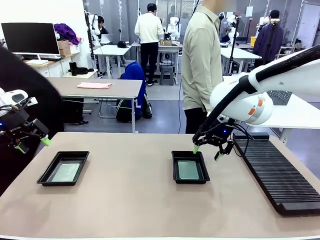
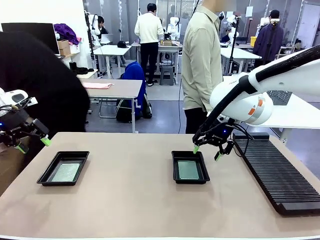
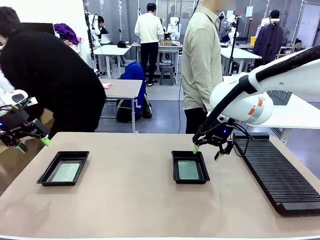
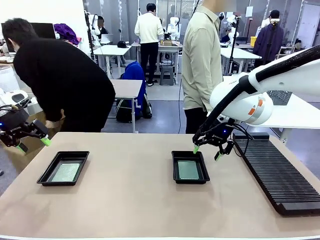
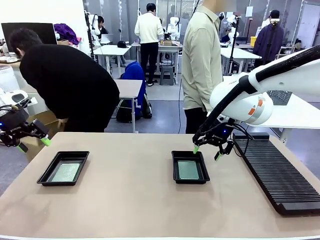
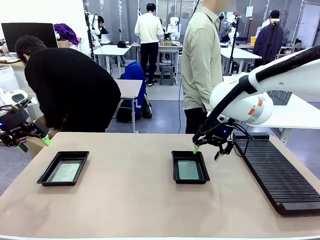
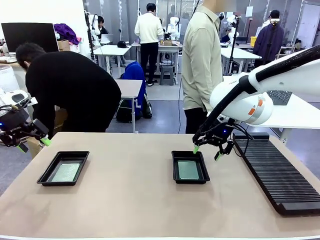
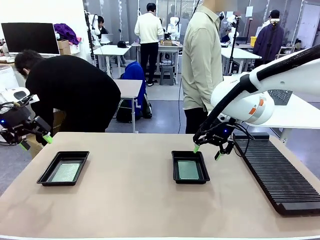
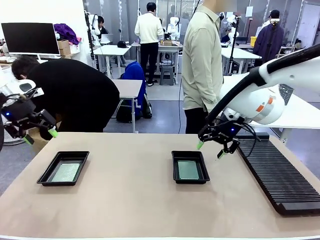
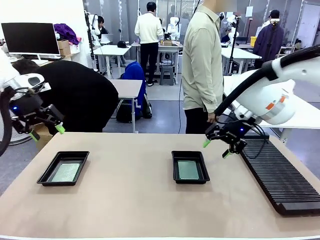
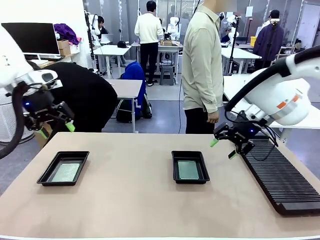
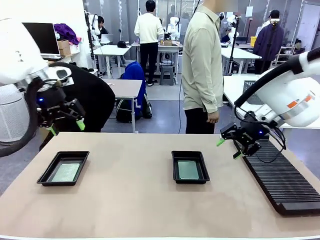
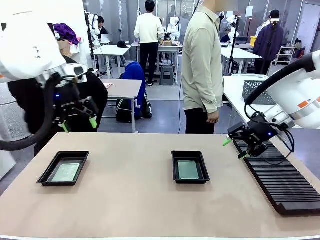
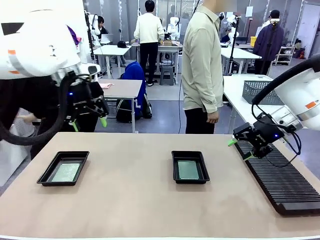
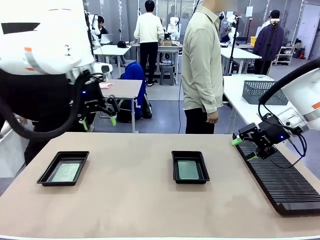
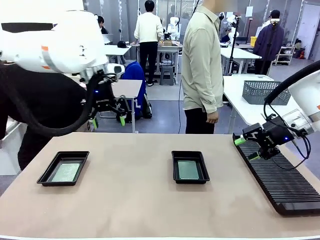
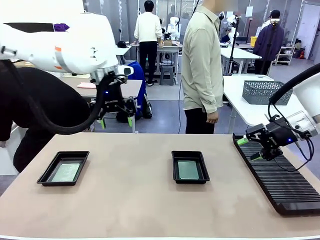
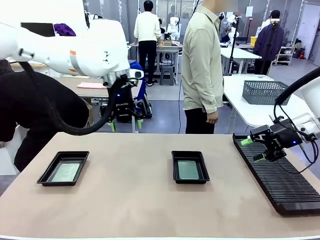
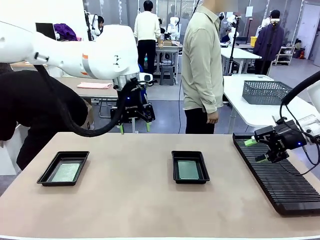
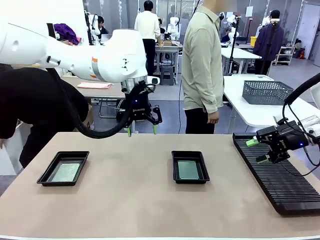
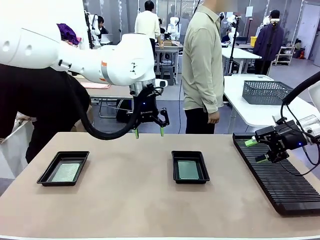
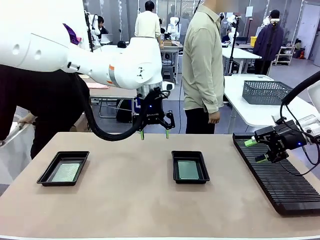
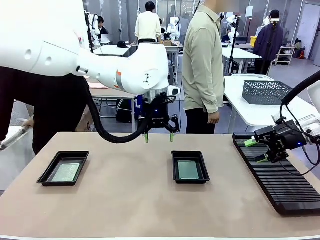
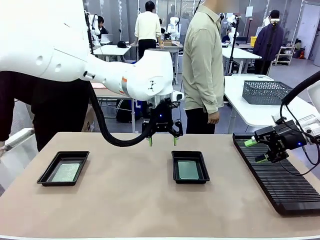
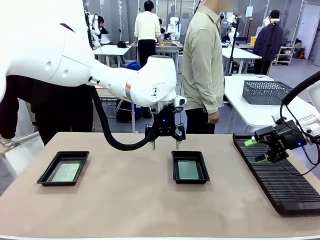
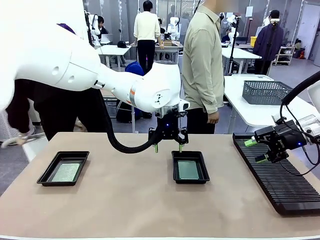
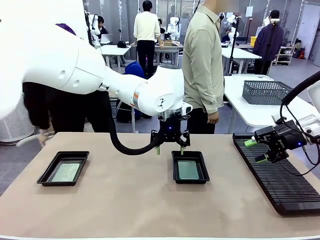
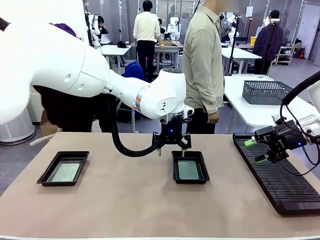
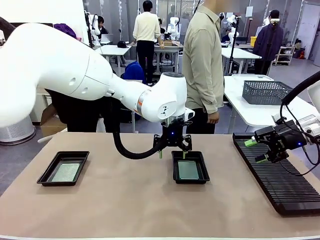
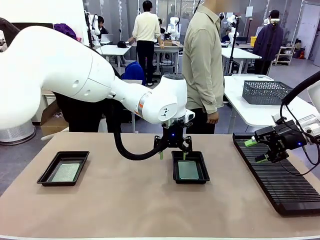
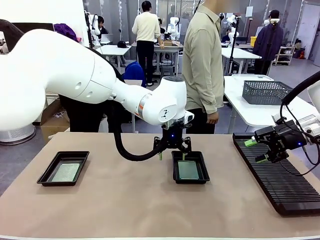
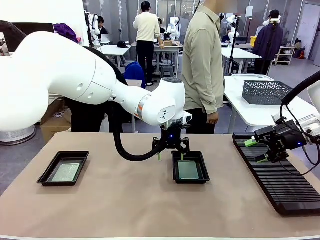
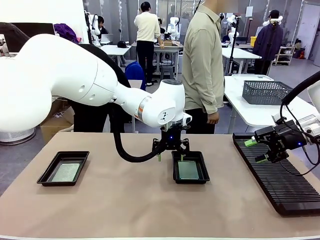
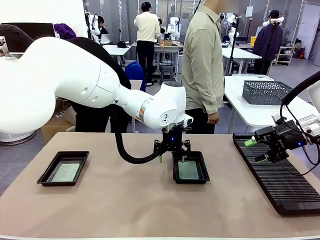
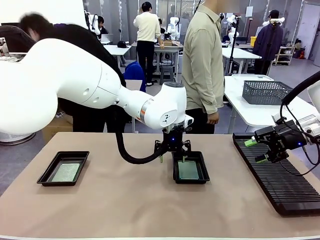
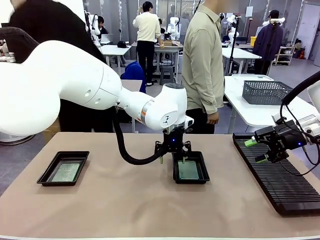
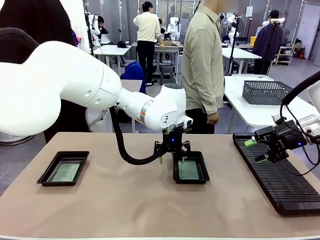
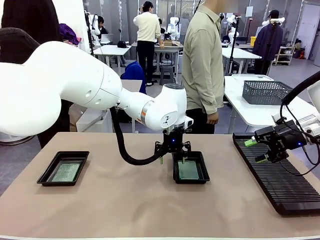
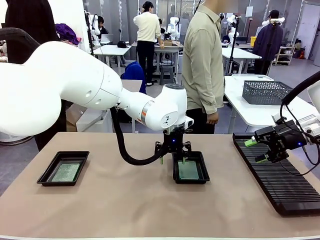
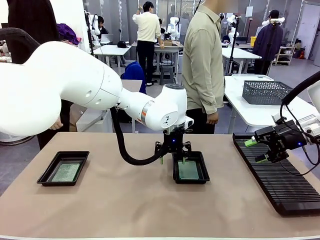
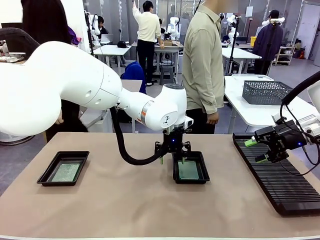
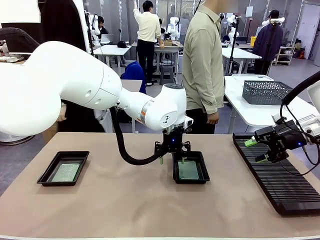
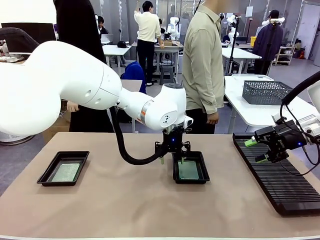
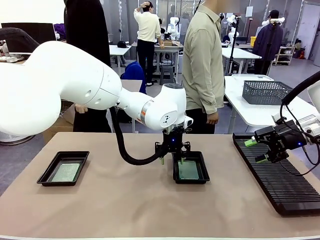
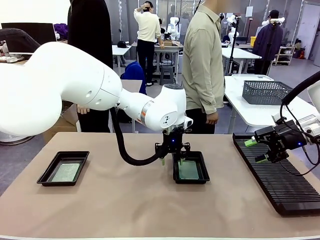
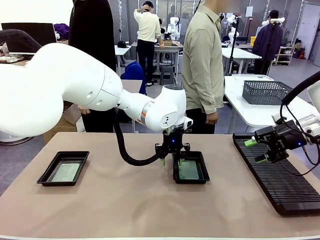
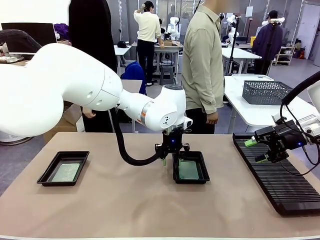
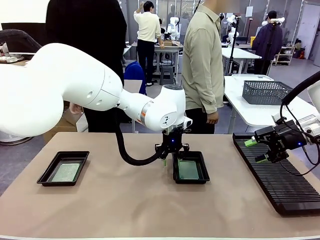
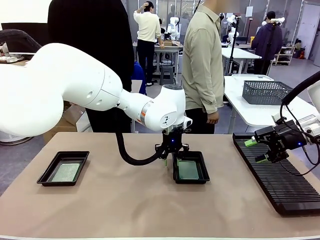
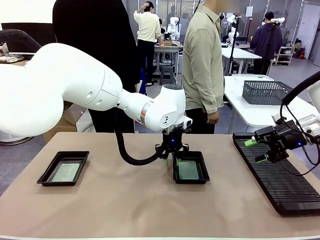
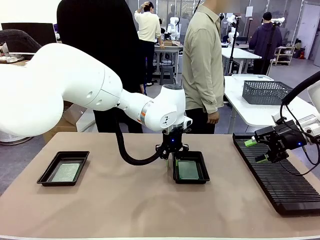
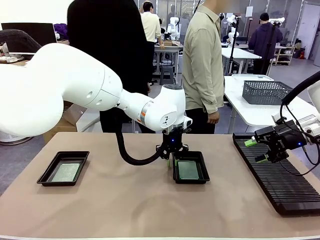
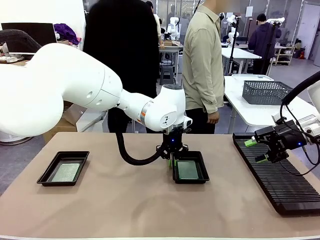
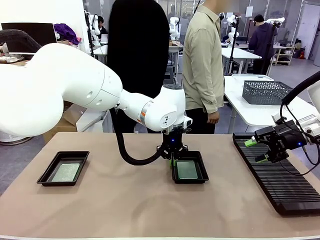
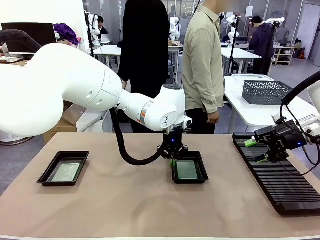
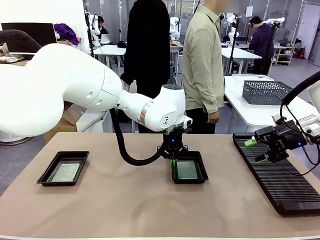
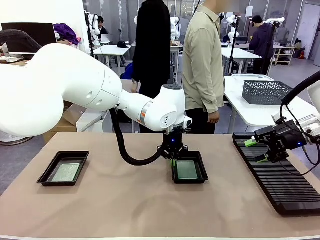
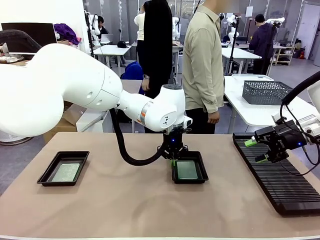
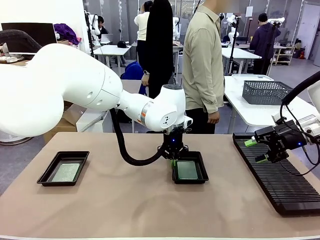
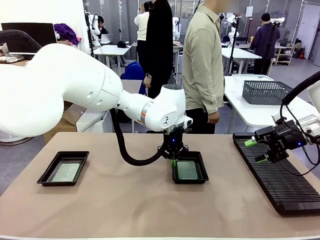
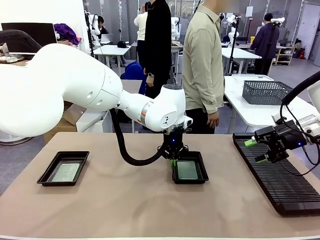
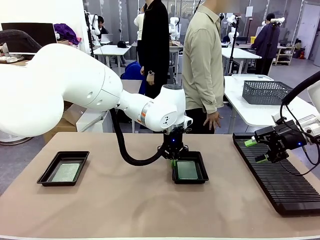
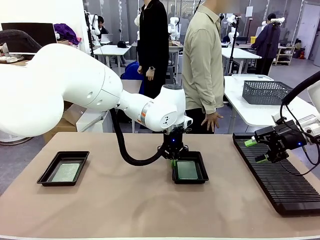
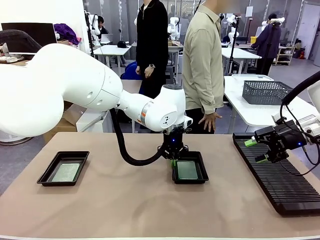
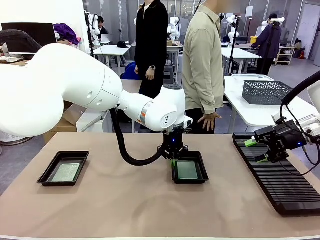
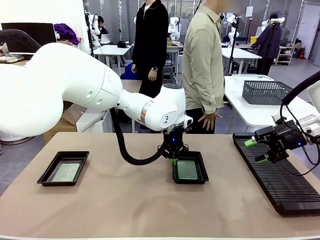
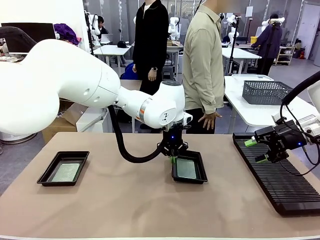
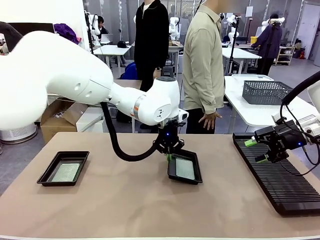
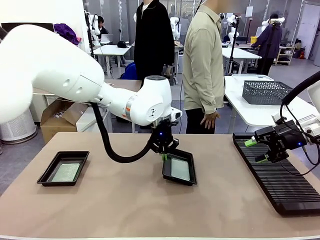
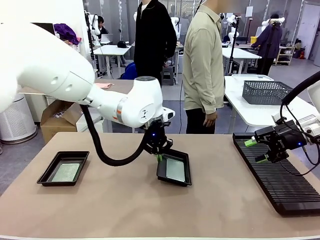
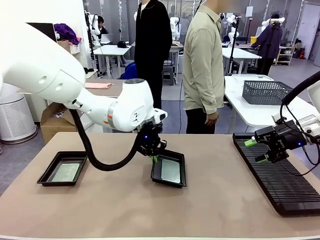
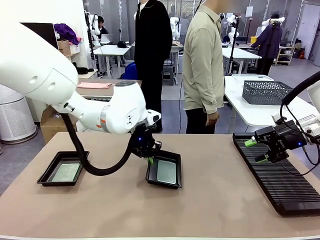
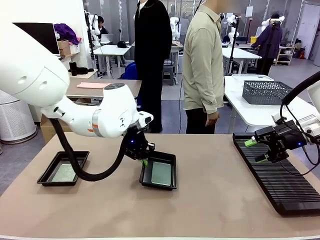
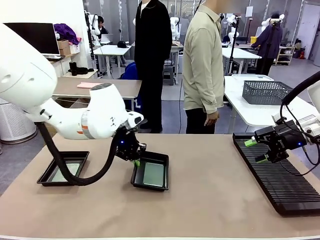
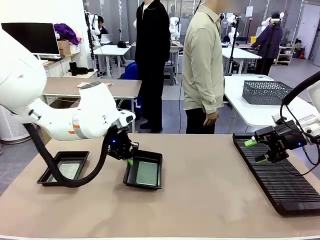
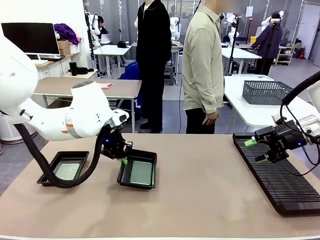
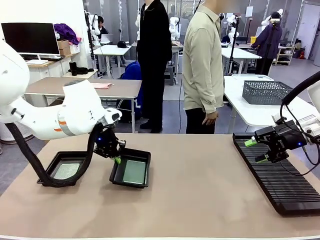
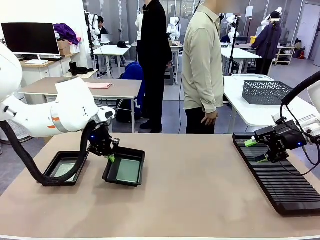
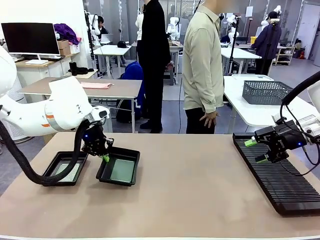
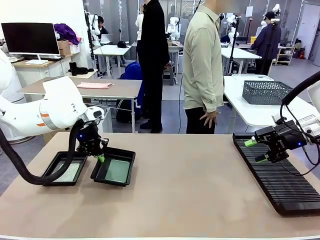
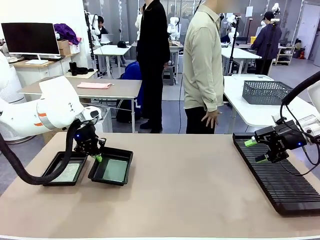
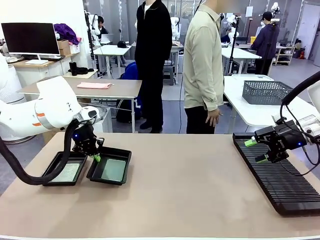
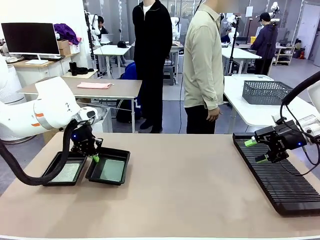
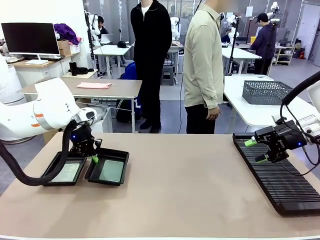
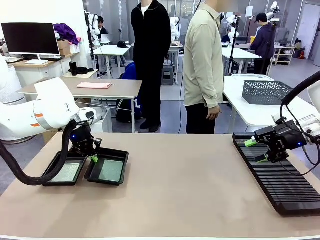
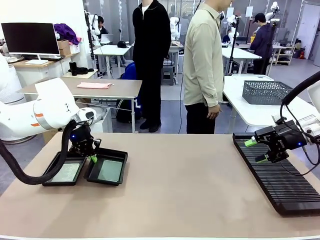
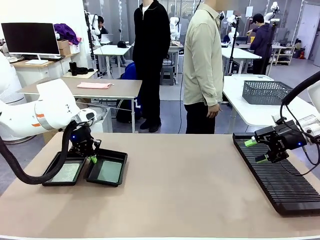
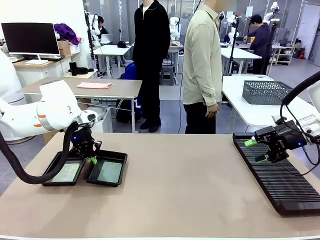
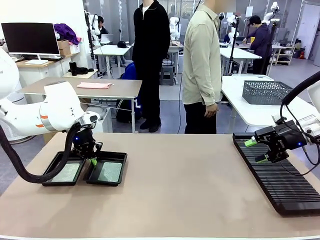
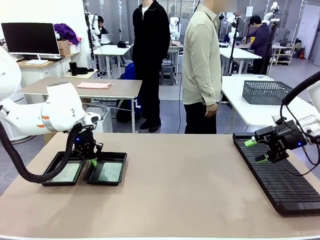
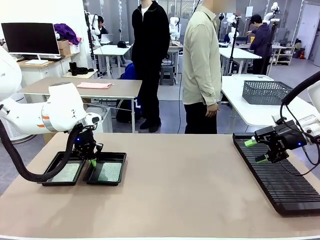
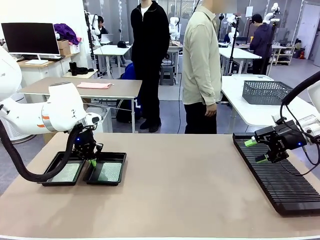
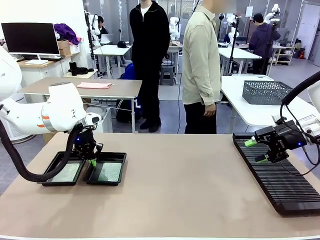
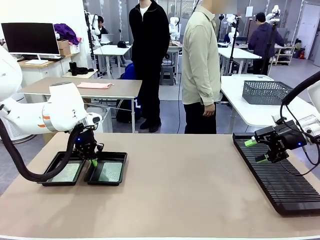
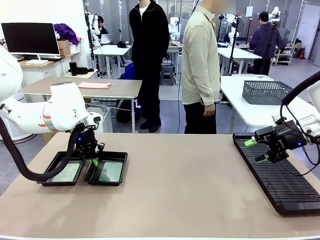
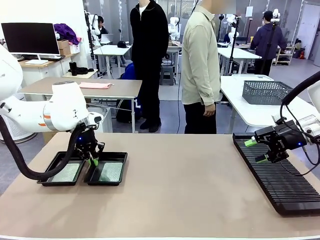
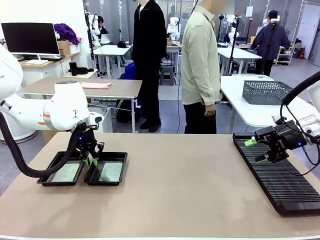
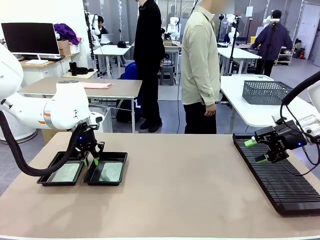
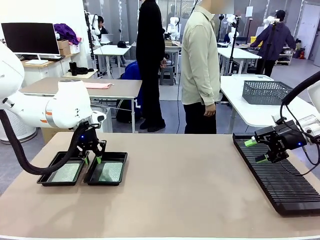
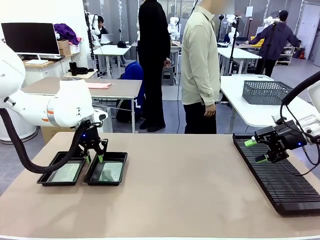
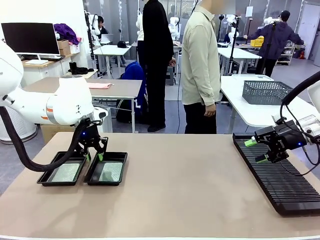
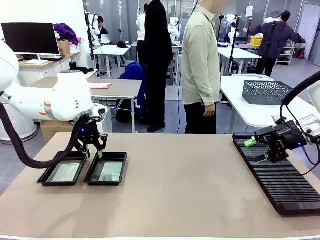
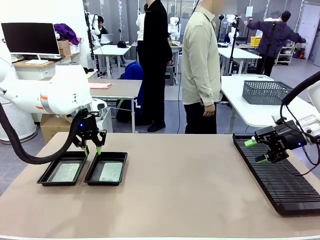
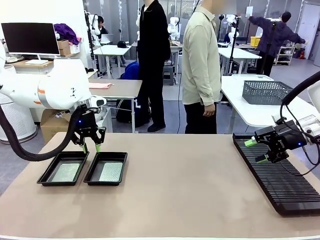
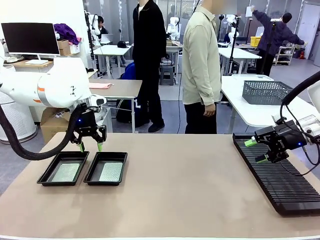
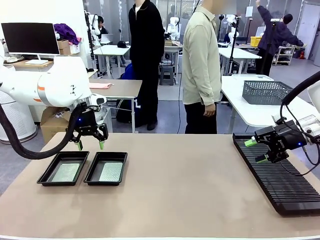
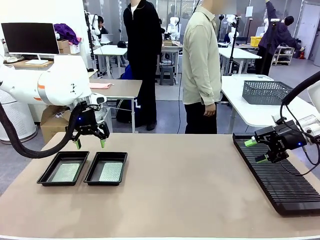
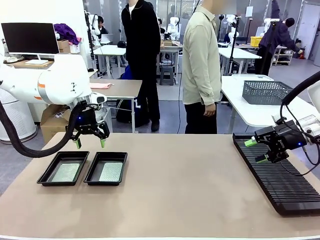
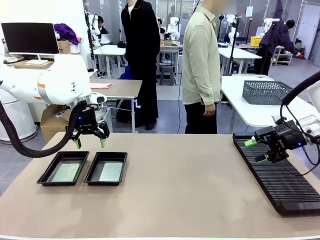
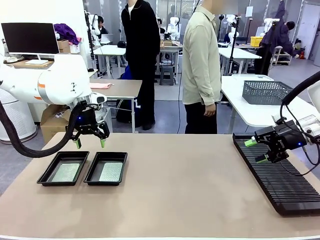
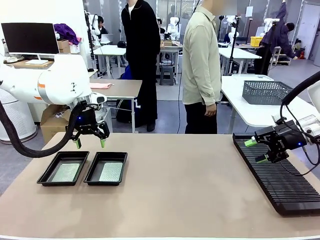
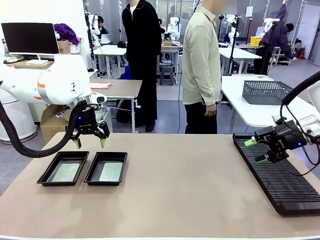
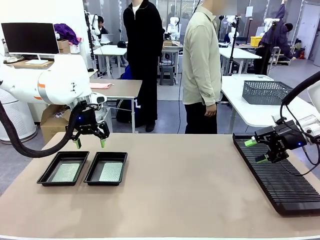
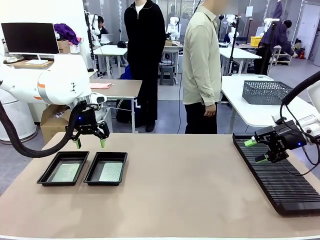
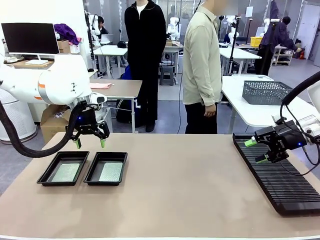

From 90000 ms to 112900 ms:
Task: Inspect and transfer BCBs to ESD trays.
Robot: Pick up the ESD tray and place it on the left side of the table.
